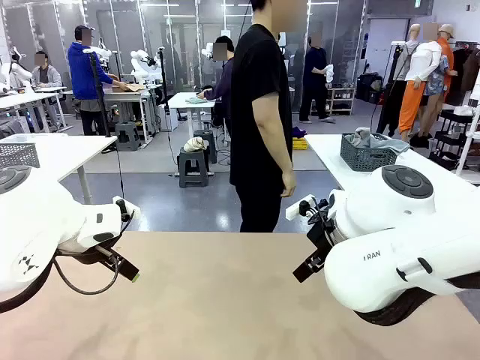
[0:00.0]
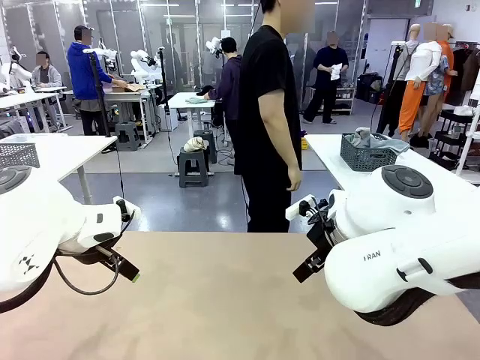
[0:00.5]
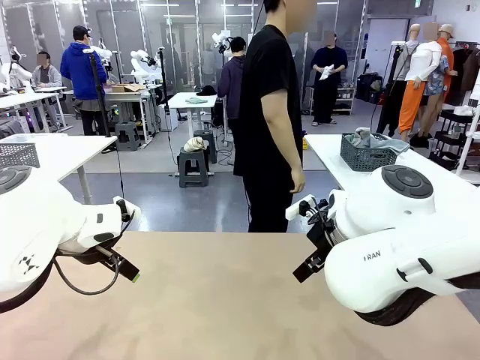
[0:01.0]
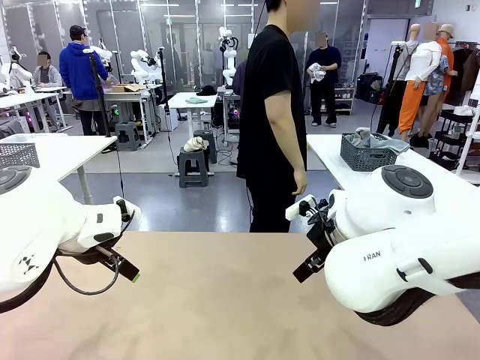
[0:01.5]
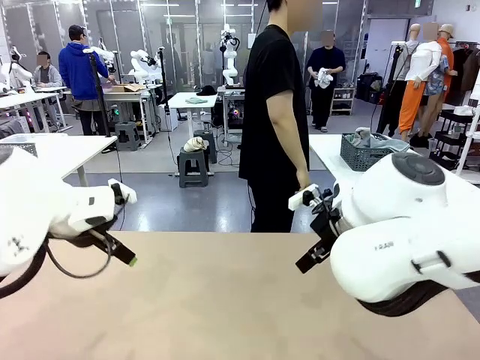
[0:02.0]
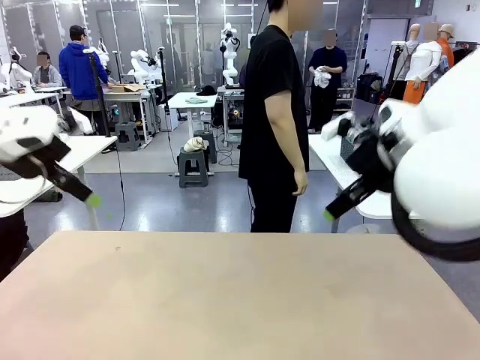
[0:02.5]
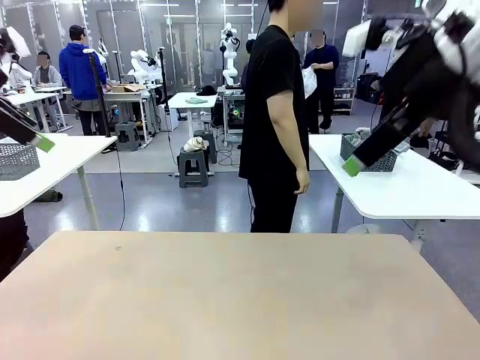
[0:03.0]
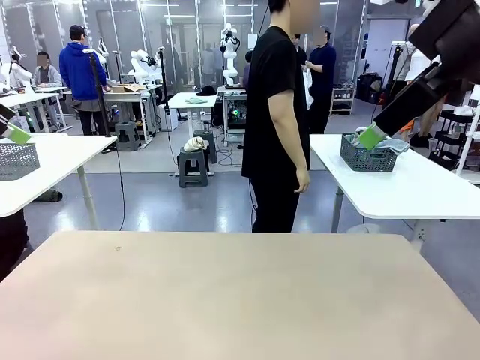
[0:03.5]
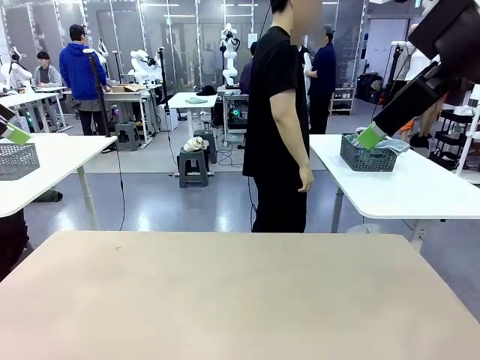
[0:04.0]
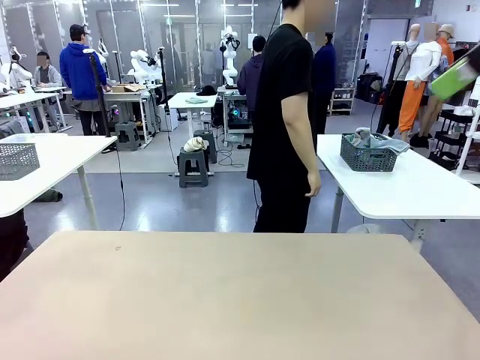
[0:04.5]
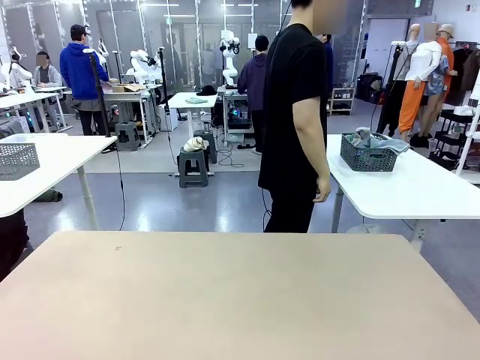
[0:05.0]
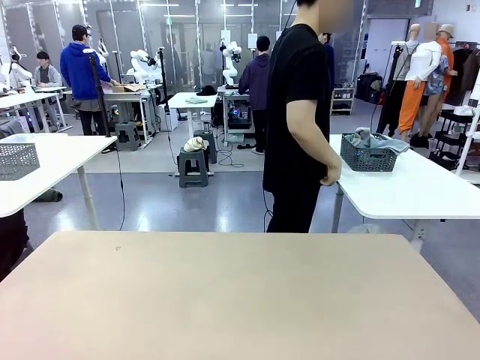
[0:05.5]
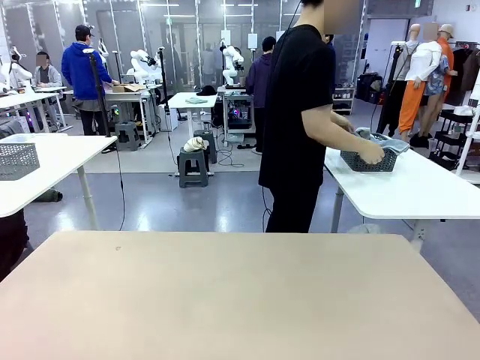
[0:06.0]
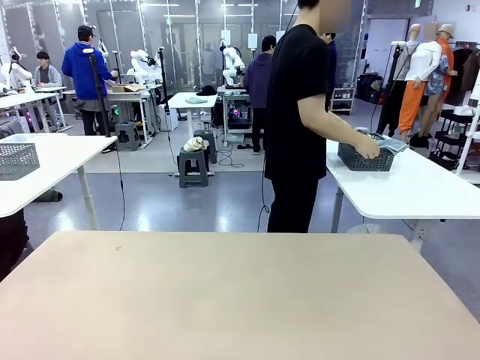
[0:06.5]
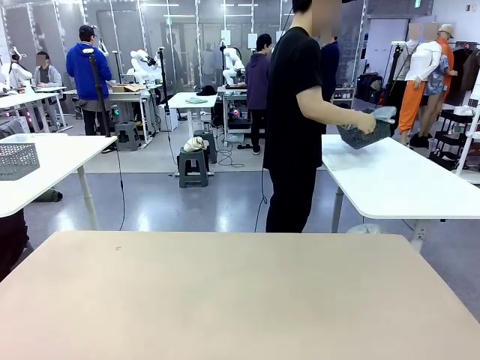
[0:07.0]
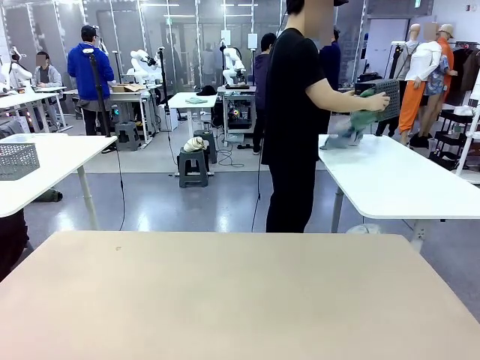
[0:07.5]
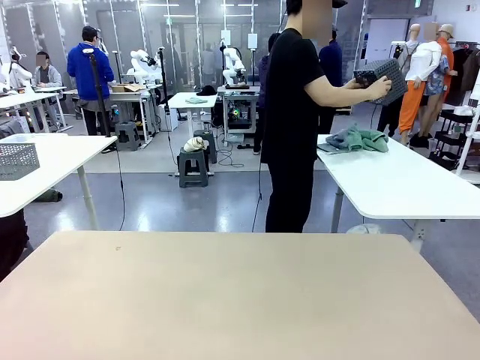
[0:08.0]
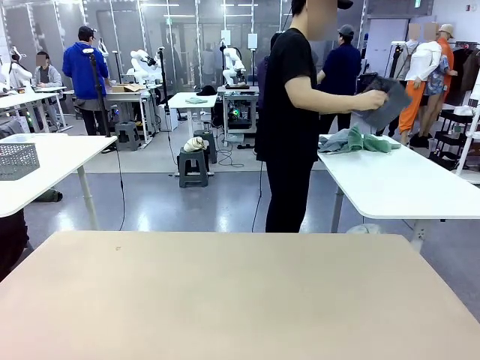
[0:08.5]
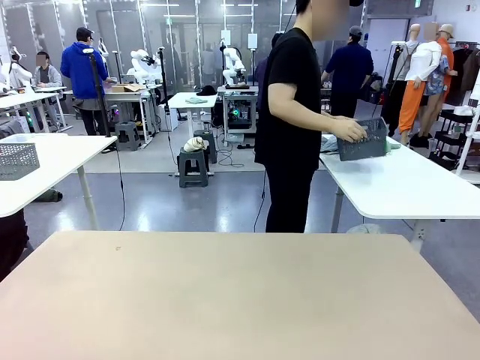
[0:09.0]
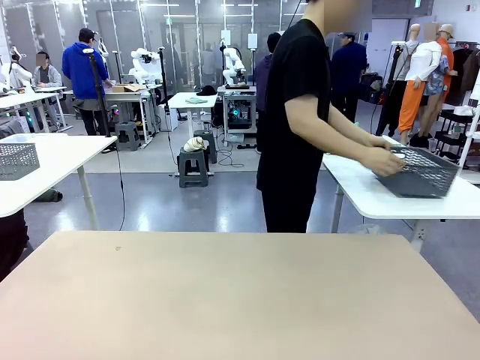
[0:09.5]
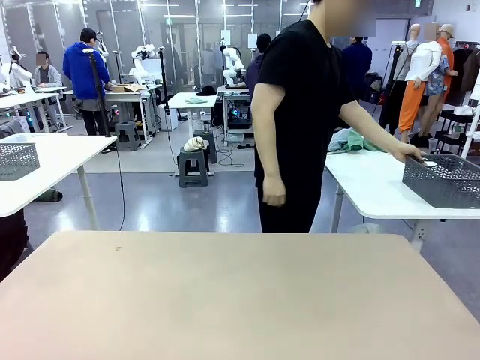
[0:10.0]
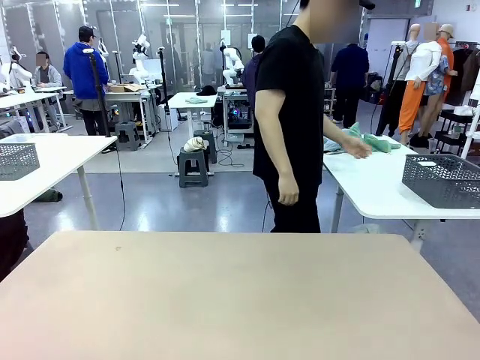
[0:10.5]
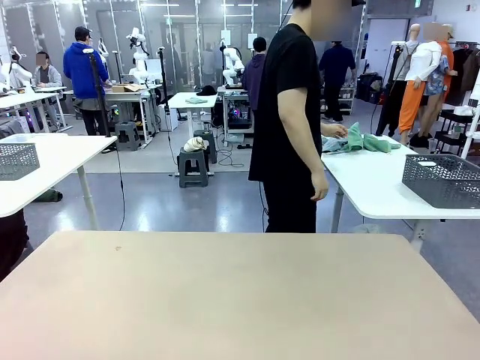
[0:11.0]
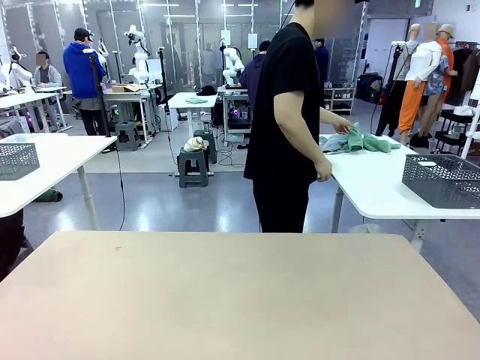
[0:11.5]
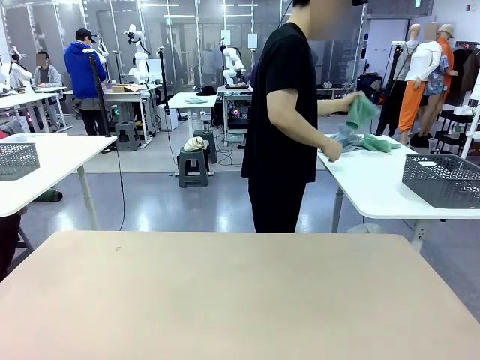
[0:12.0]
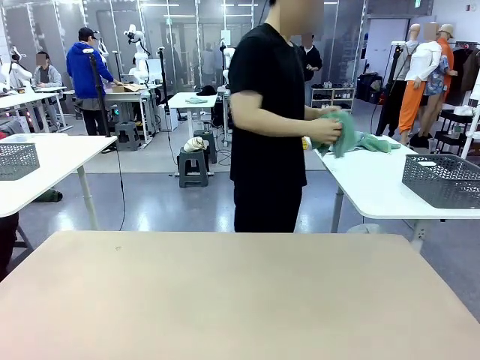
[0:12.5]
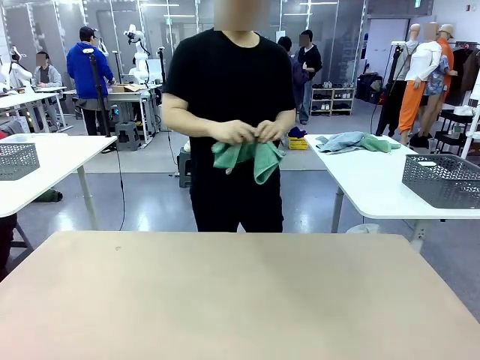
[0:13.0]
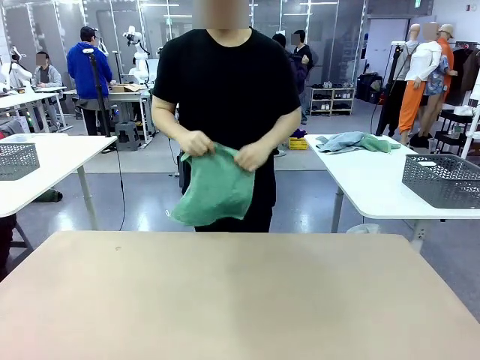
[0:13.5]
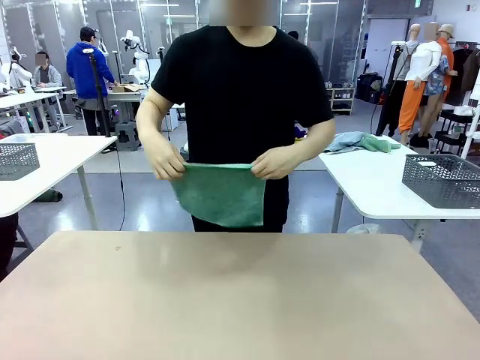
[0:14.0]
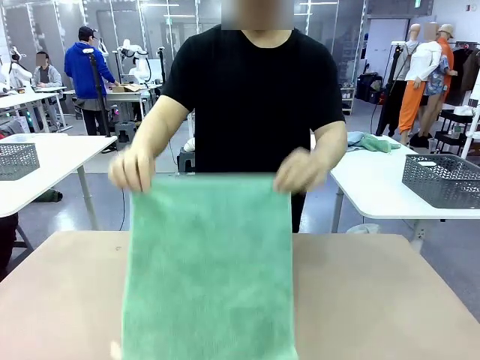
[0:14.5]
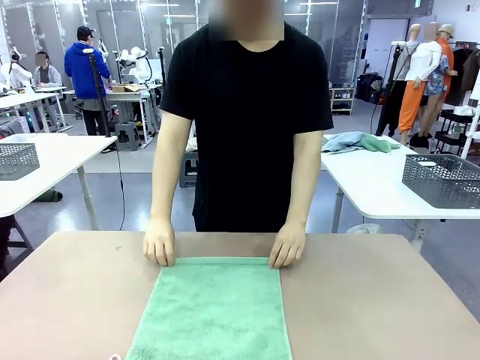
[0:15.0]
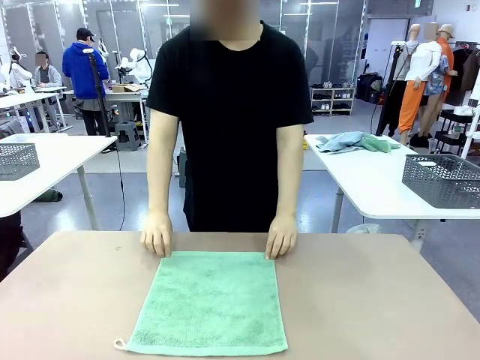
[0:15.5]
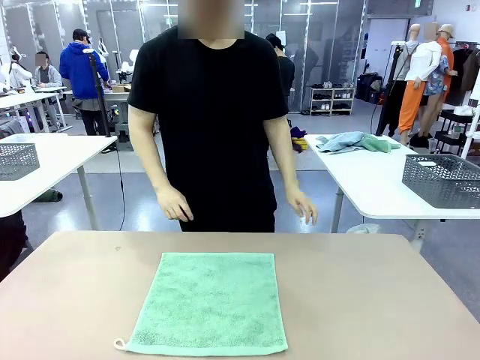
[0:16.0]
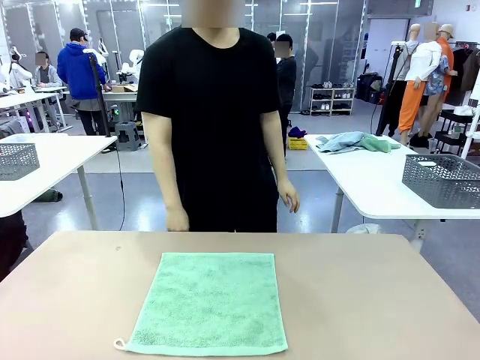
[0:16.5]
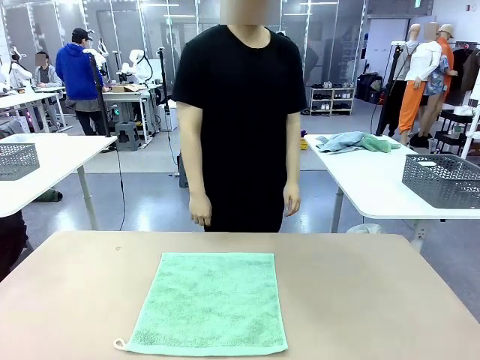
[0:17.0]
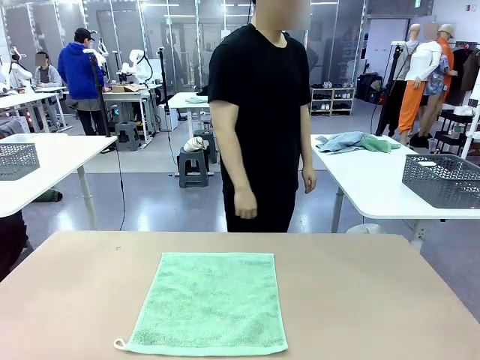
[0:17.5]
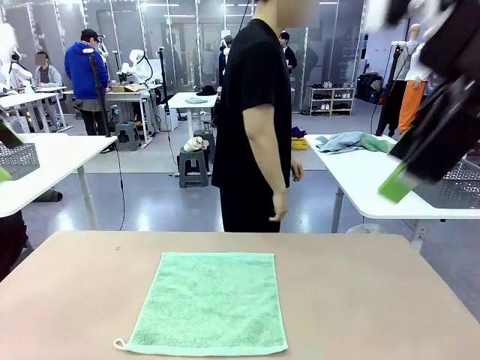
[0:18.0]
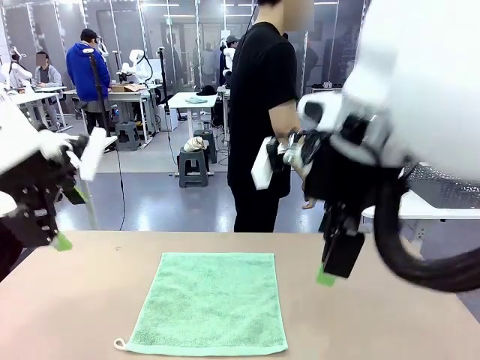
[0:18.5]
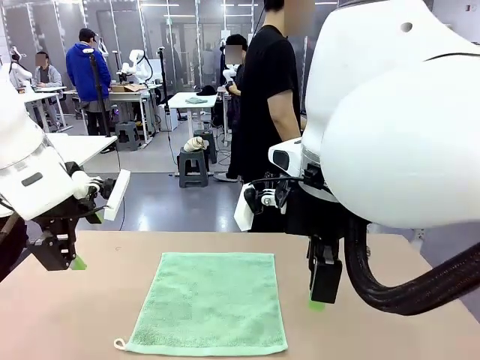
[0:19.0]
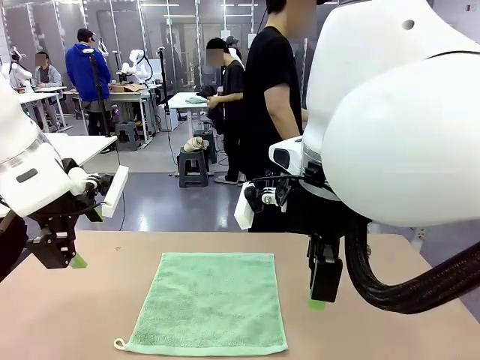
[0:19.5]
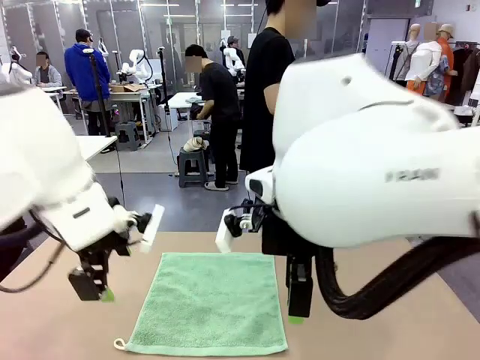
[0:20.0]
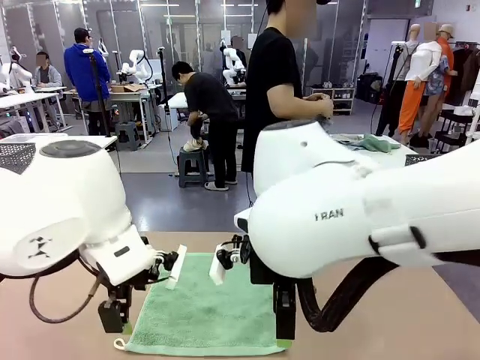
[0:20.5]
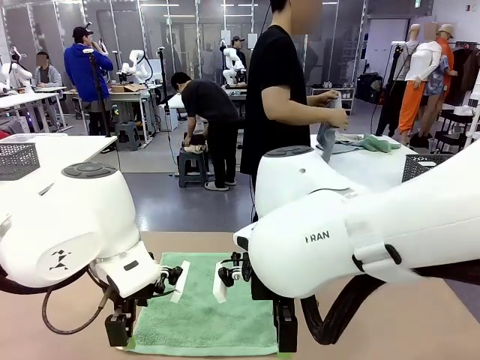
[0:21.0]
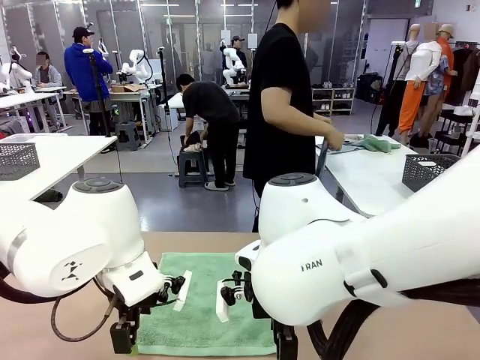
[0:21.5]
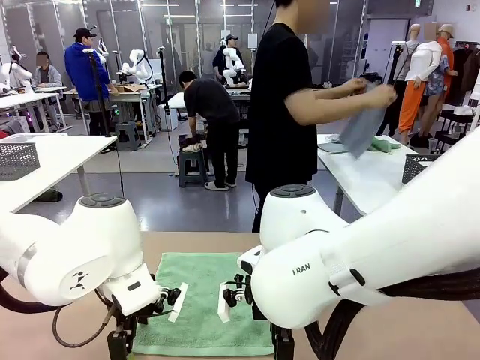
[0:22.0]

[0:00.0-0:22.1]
Task: Fold the towels and place them in the basket.
Robot: When a person lays out a Towel with hook on the table, fold it in half twice.
Person: Pick up the basket, pour the towels onto the left side of the human table, and place the basket on the right side. Pick up one towel and spread it out at the center of the robot table.
